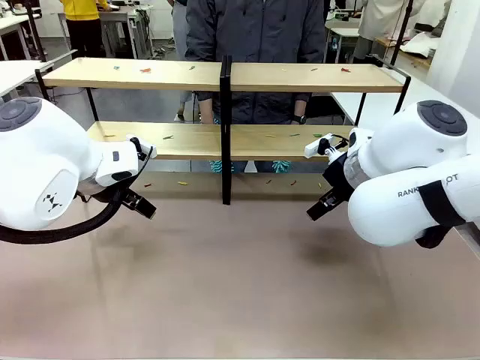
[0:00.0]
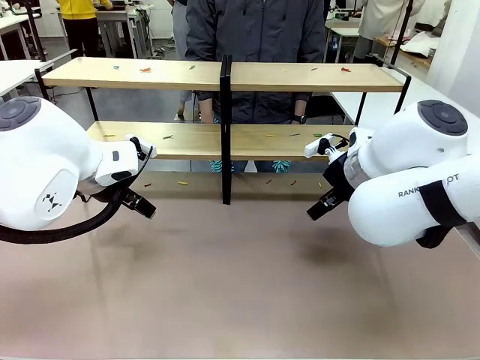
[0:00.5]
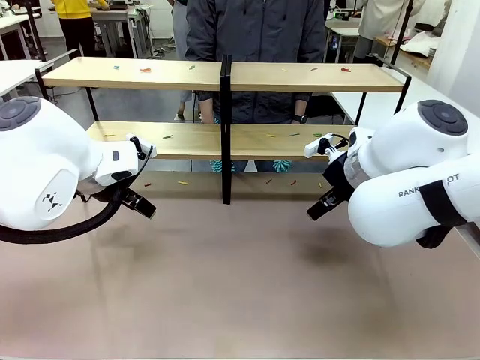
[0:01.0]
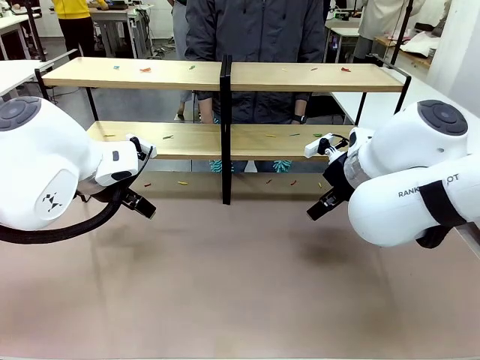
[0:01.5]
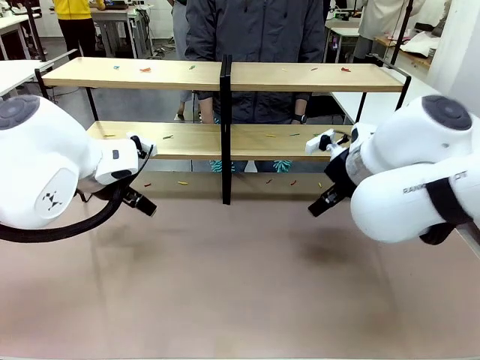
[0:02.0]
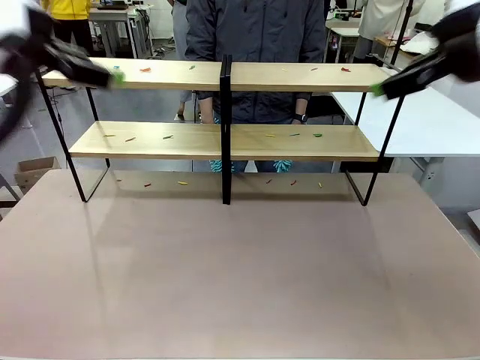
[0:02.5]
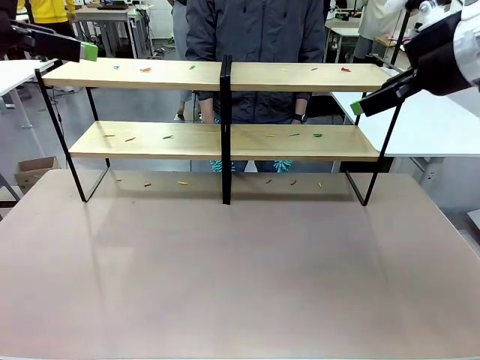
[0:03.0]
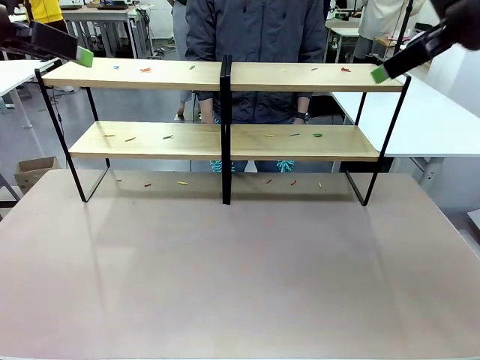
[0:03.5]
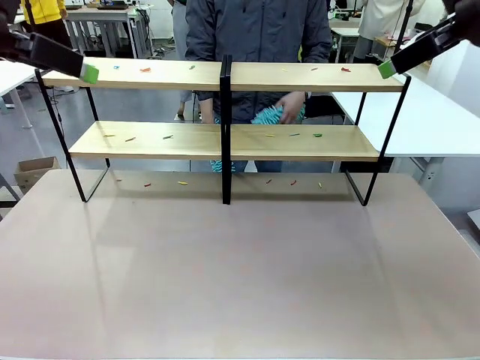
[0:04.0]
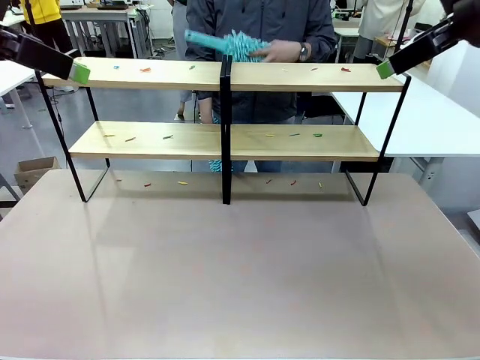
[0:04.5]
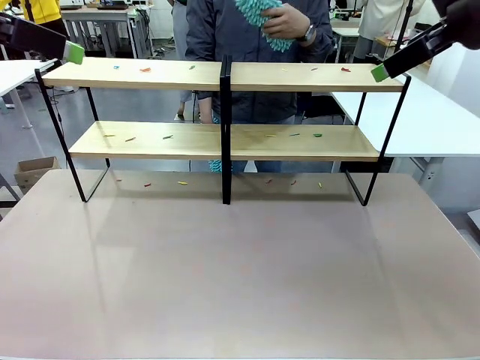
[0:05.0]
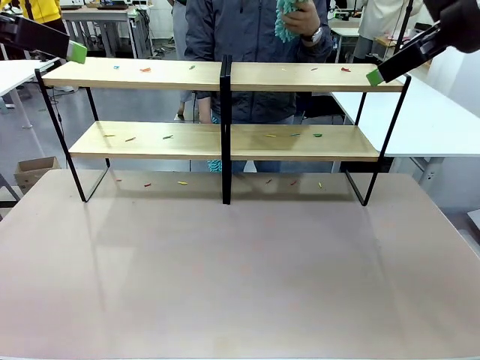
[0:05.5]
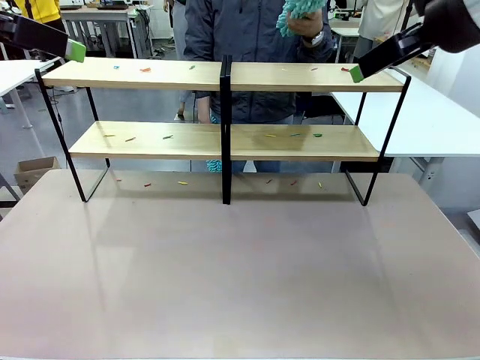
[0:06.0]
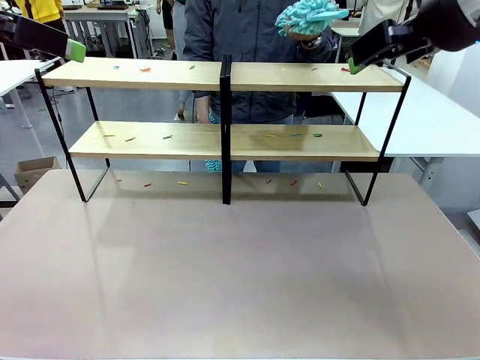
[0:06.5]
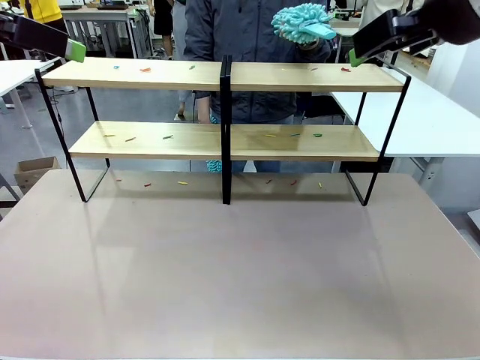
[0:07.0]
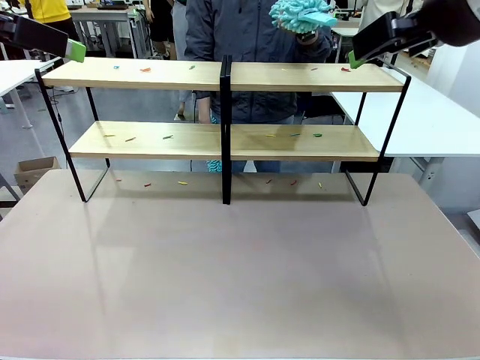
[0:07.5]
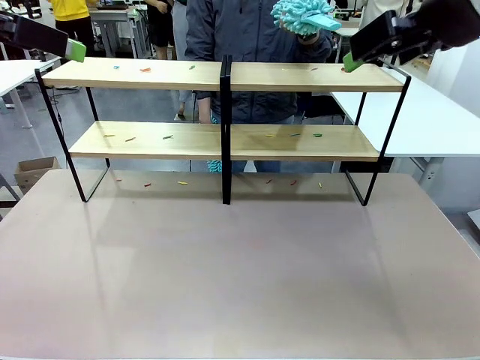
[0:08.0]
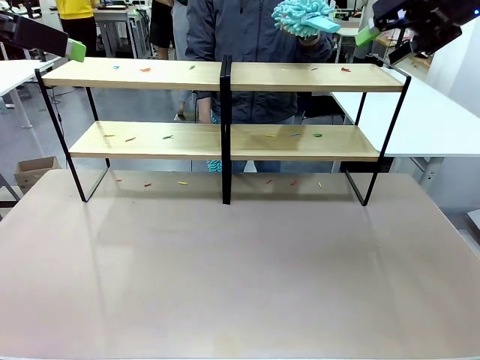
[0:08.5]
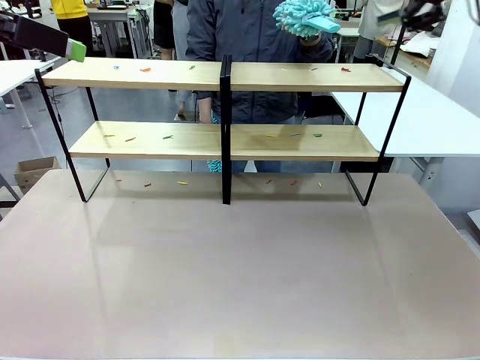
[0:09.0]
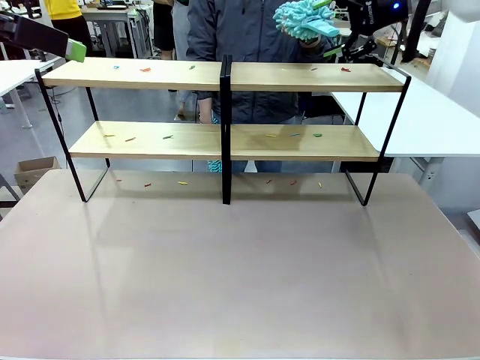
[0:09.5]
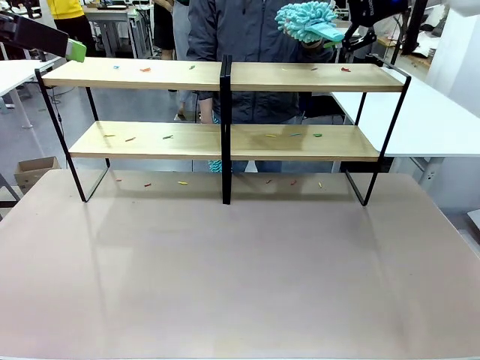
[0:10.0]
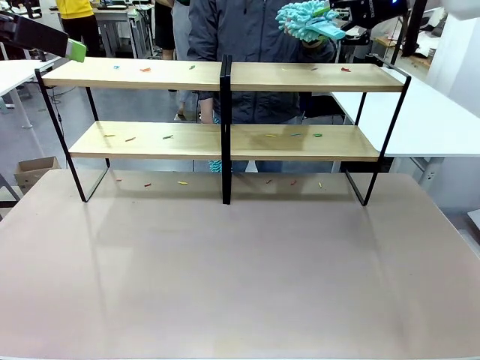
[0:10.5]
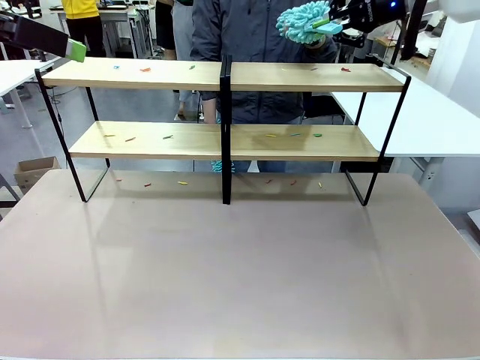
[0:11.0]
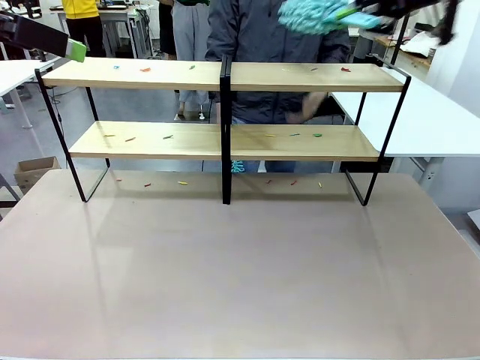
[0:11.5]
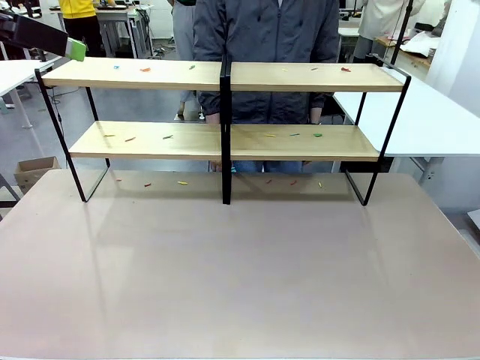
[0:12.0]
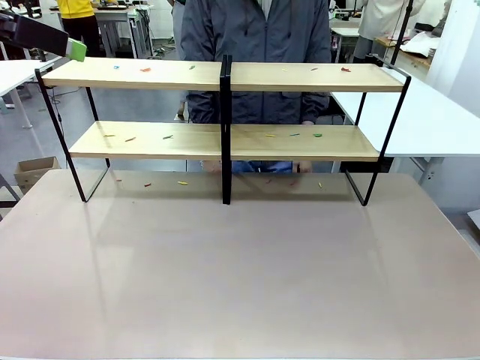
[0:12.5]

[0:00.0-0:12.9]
Task: Clean the shelves.
Robot: Pick up the Duster when the human hands it over.
Person: Hand the Duster to the robot with your right (or left) hand.

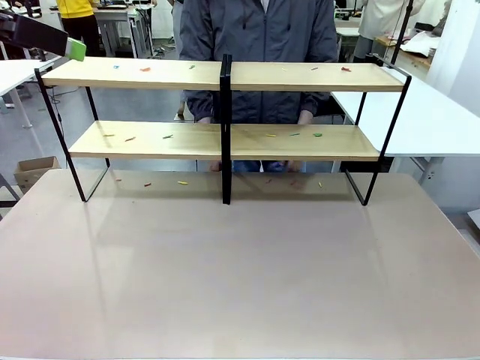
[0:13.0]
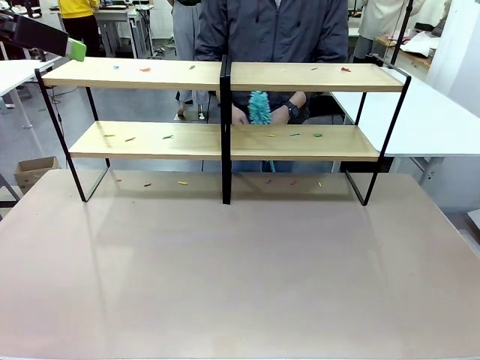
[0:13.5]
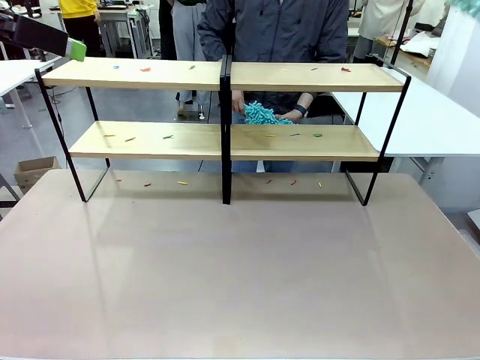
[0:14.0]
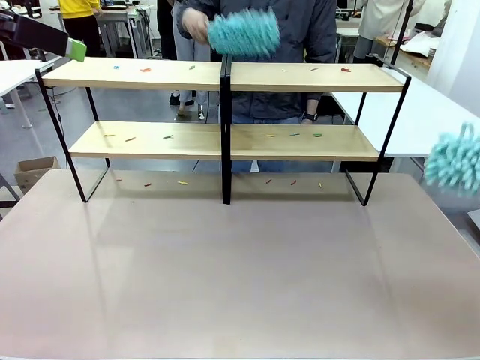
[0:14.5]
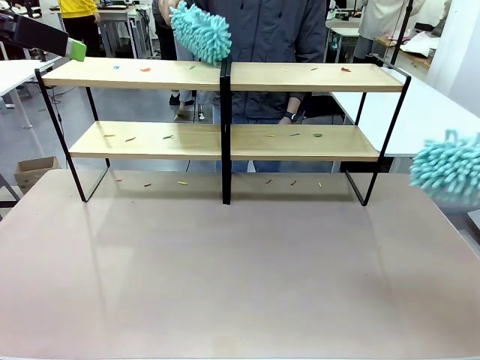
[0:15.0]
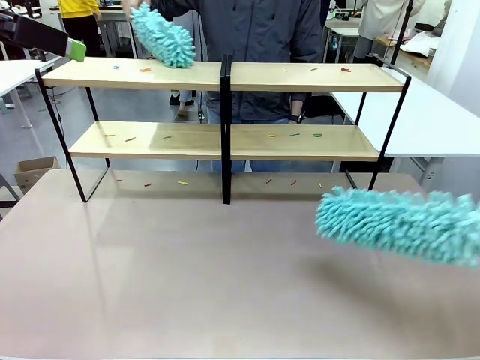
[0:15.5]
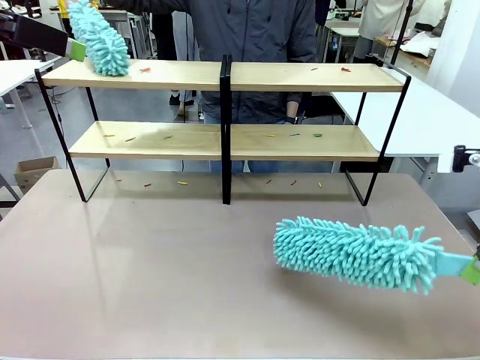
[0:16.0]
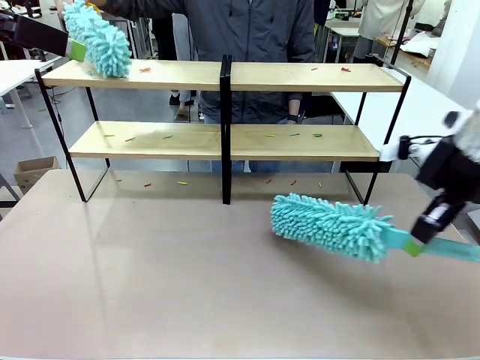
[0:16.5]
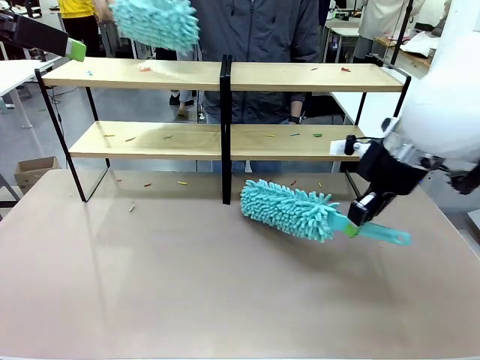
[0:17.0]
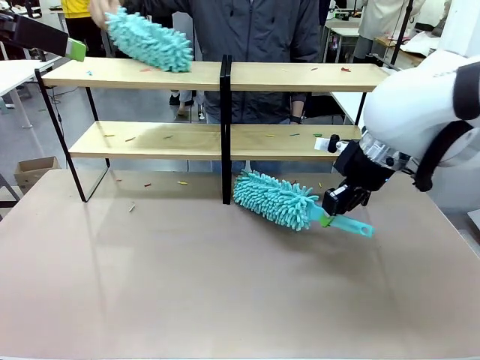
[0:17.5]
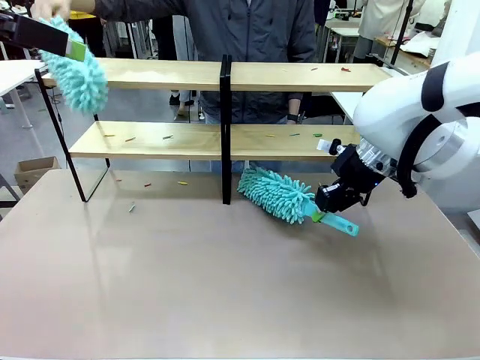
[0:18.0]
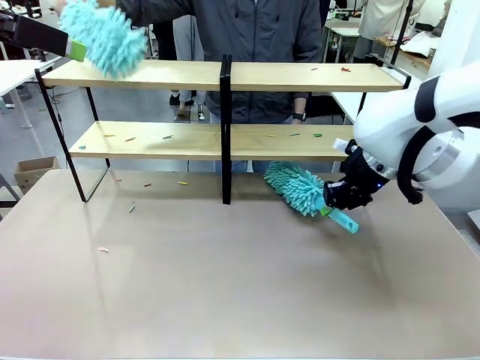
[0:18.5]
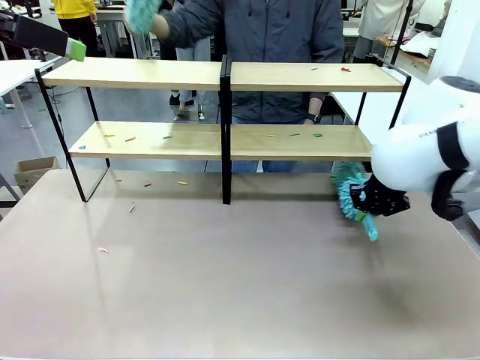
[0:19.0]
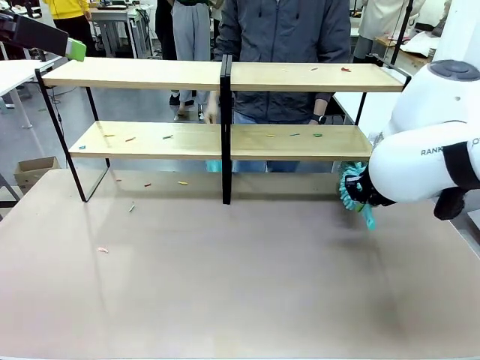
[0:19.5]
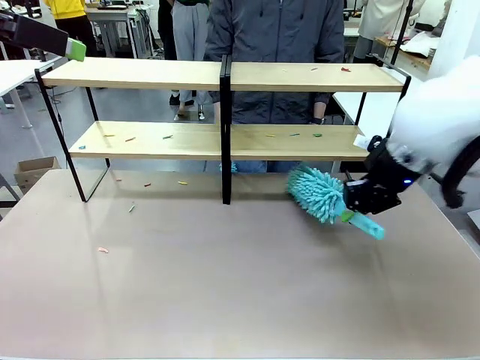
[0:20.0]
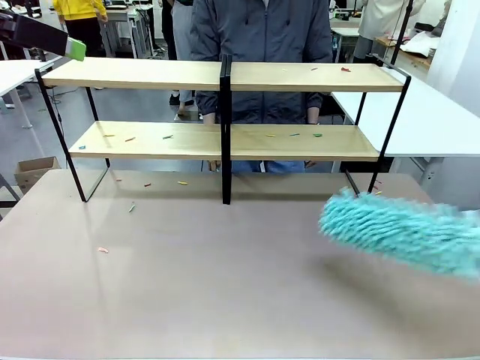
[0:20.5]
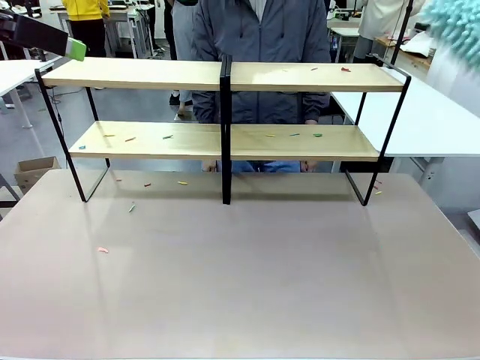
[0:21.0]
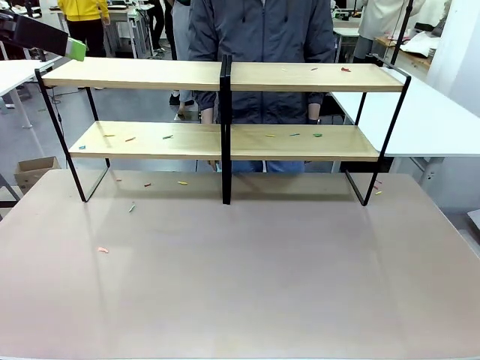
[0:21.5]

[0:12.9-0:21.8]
Robot: Clean a randomly selected level of the Shelf with the Duster.

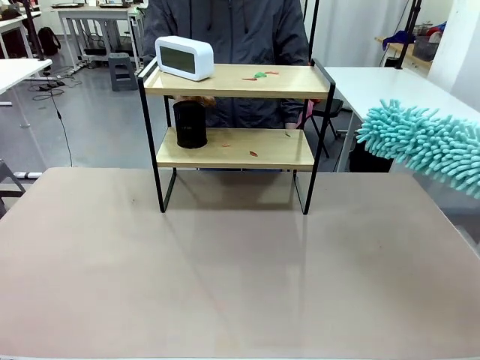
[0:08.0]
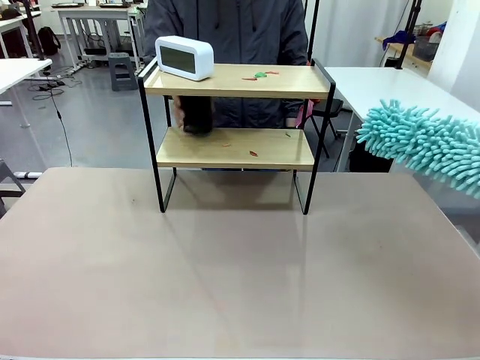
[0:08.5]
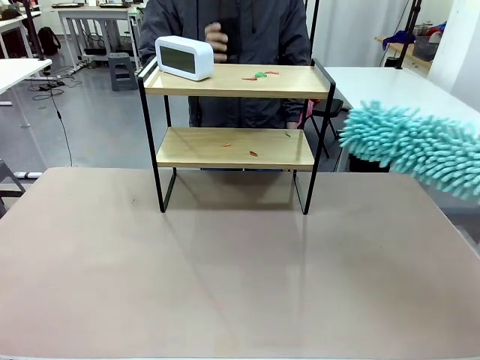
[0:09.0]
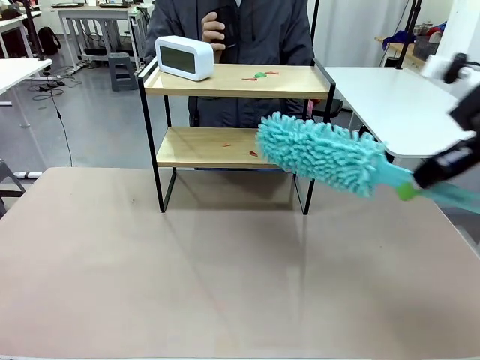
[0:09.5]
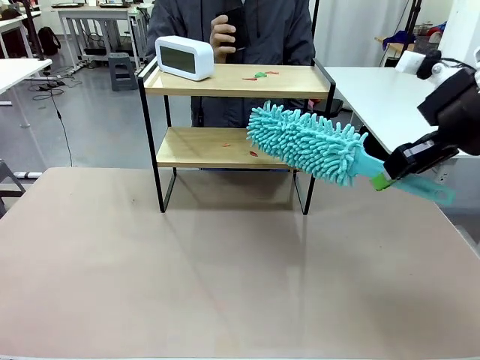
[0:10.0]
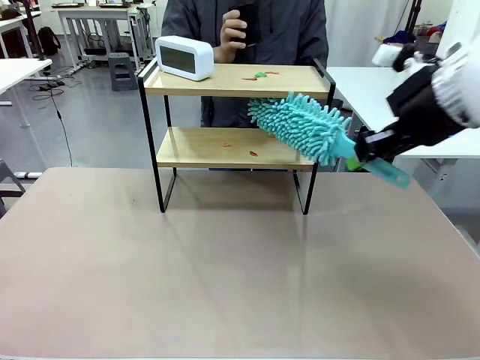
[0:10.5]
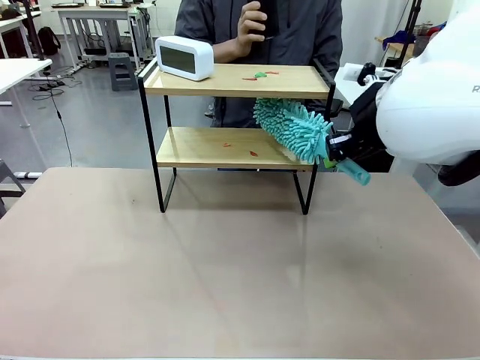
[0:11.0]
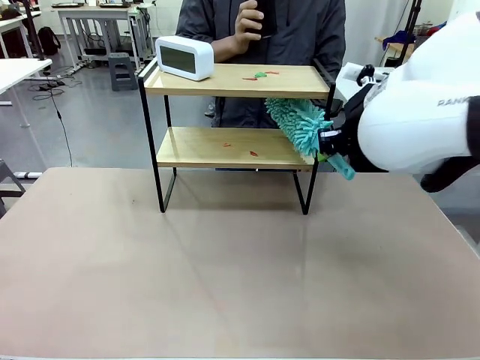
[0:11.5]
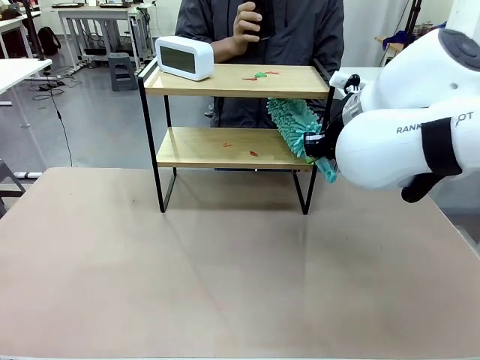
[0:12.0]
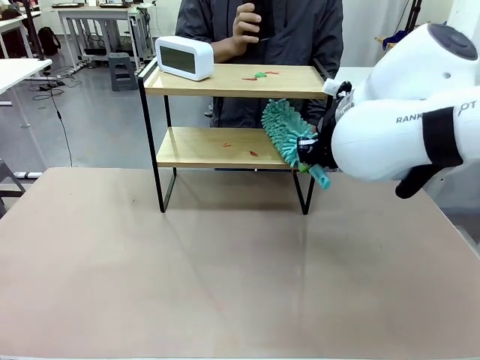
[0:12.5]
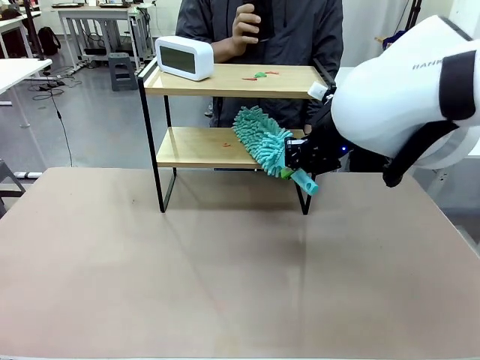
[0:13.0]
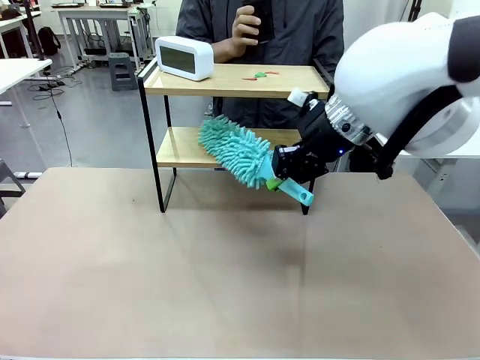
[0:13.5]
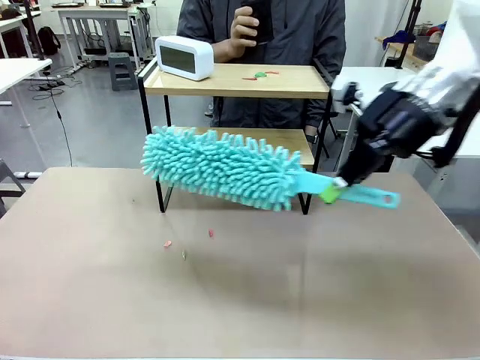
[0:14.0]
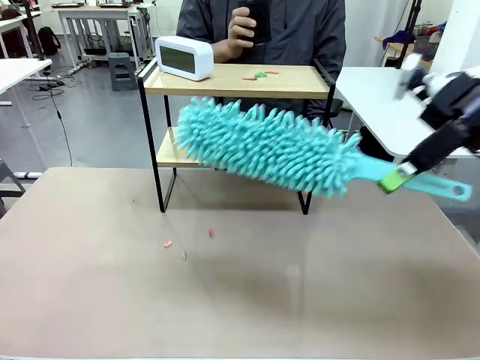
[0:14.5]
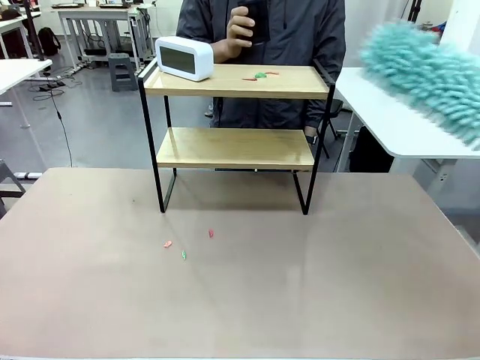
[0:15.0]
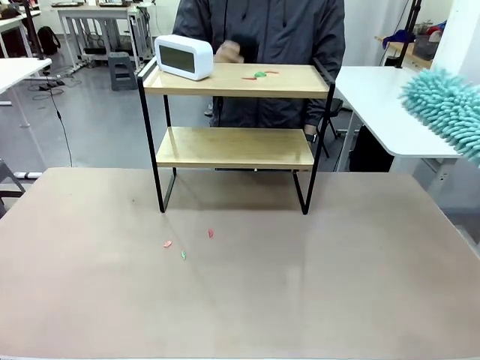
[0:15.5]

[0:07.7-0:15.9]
Task: Clean the shelf.
Robot: Clean the specific tier of the Shelf with the Duster once objects are removed.
Person: Lift the objects on a randomly selected tier of the Shelf. Once the robot finishes cleaning, lift the objects on the remaining tiers of the Shelf.
